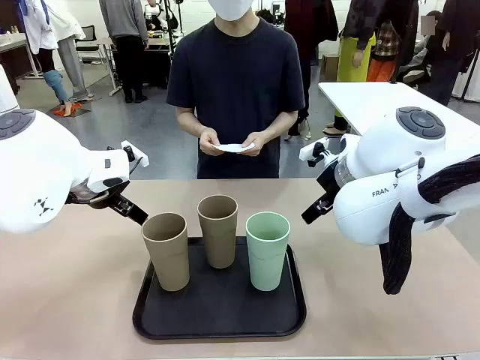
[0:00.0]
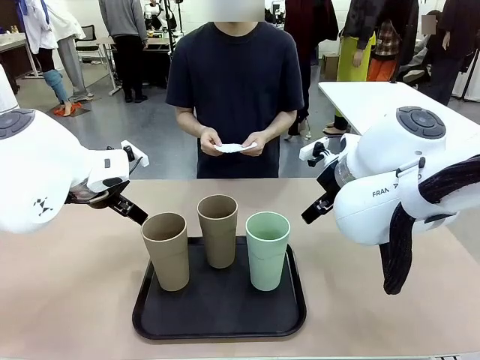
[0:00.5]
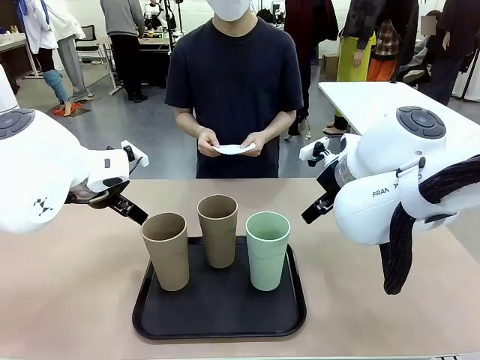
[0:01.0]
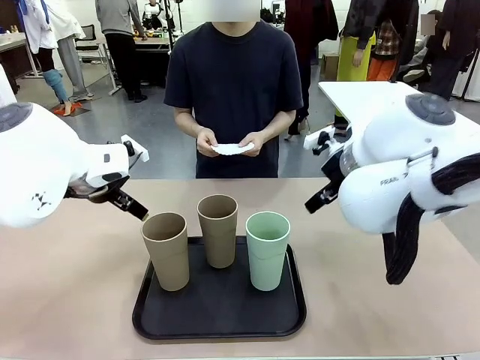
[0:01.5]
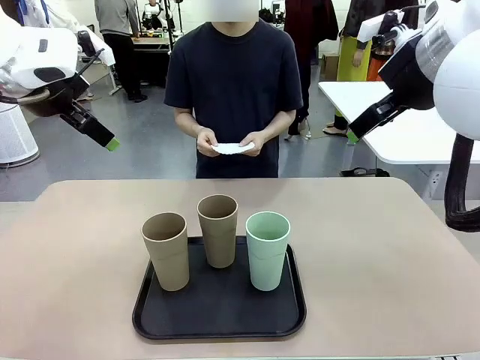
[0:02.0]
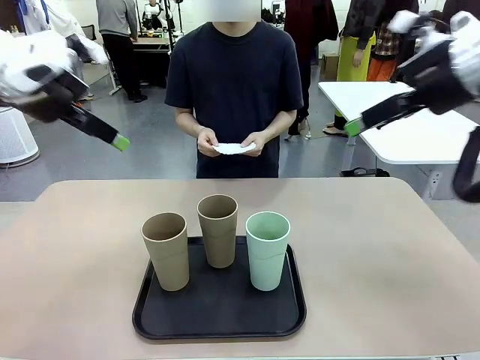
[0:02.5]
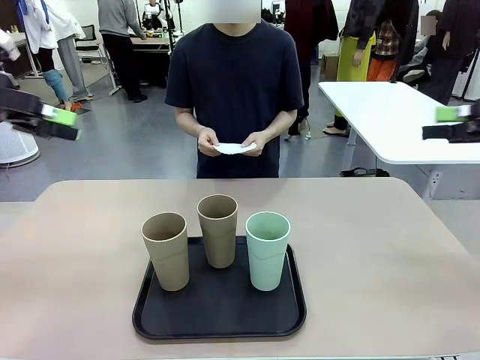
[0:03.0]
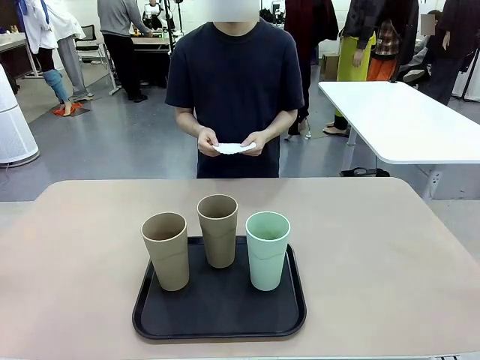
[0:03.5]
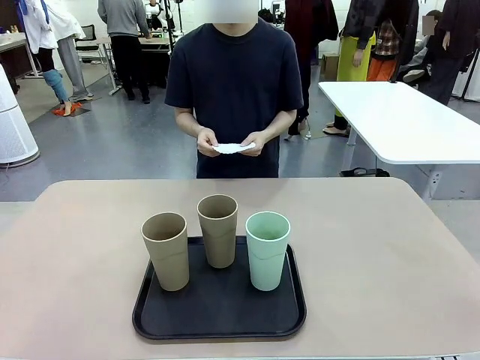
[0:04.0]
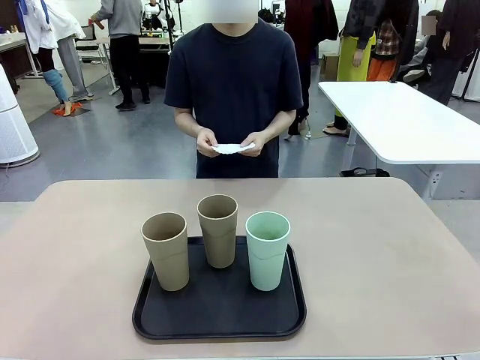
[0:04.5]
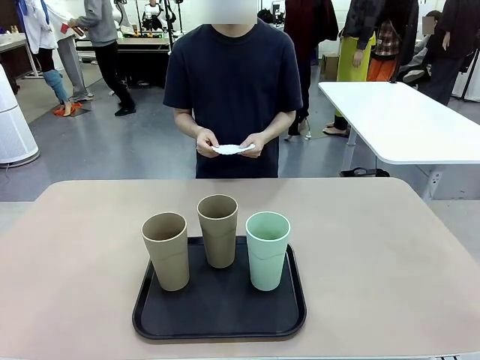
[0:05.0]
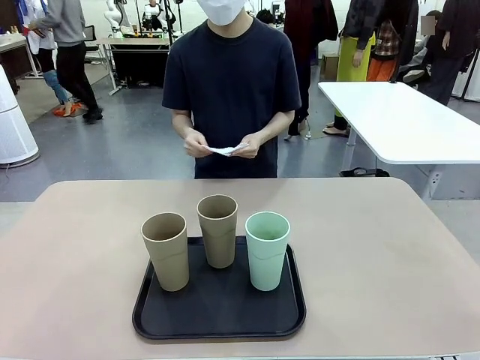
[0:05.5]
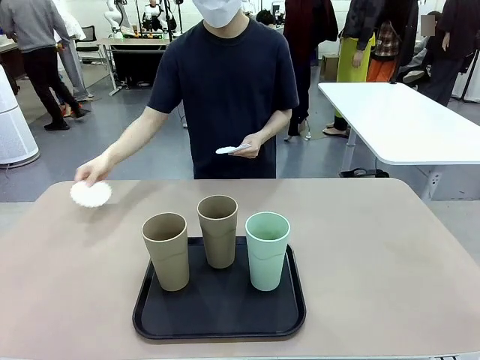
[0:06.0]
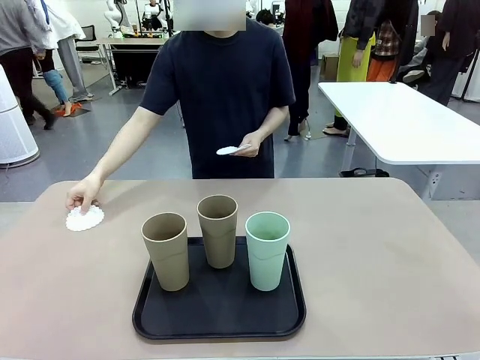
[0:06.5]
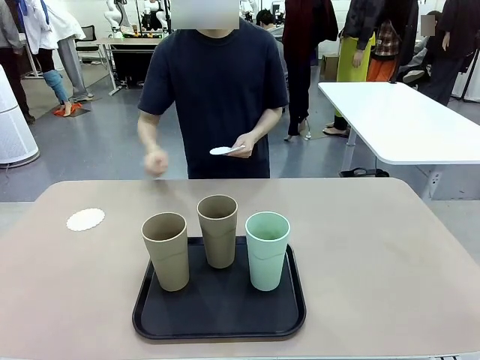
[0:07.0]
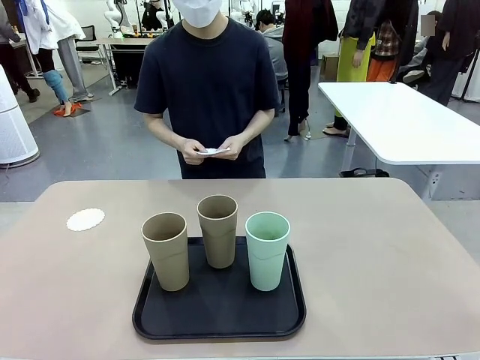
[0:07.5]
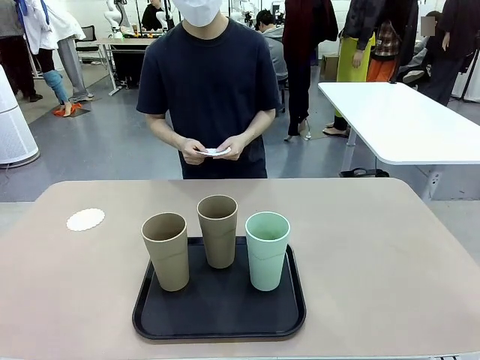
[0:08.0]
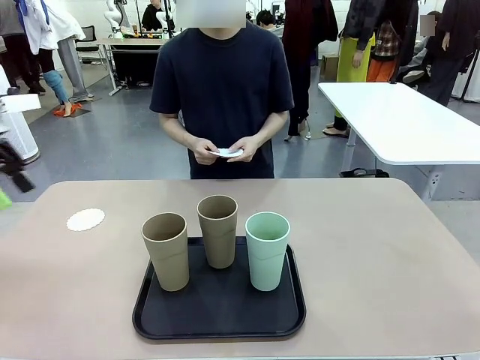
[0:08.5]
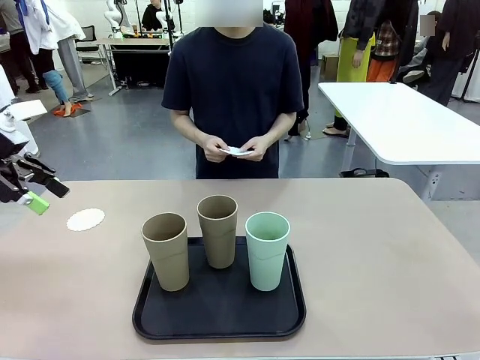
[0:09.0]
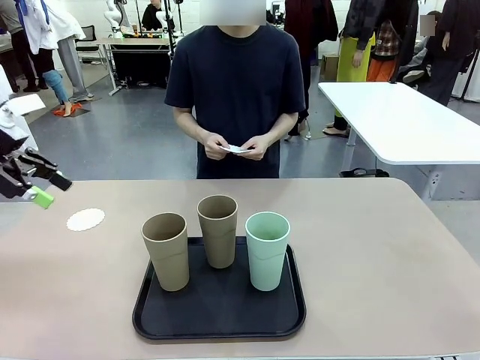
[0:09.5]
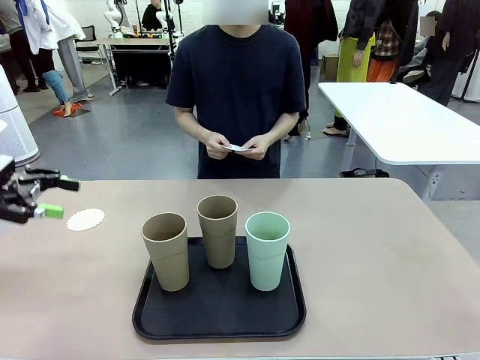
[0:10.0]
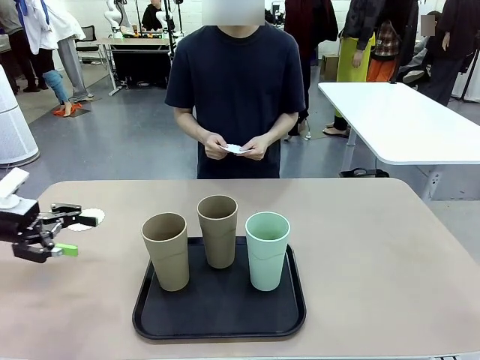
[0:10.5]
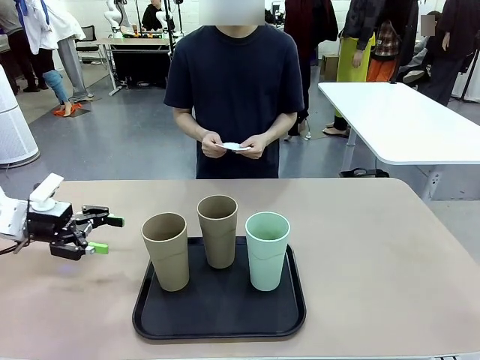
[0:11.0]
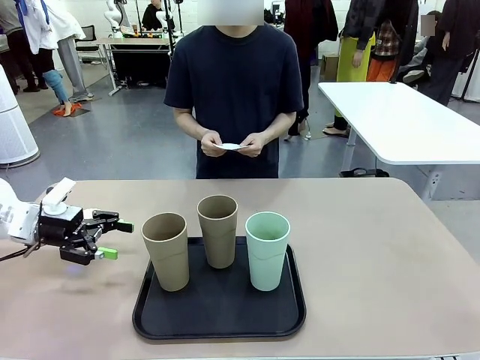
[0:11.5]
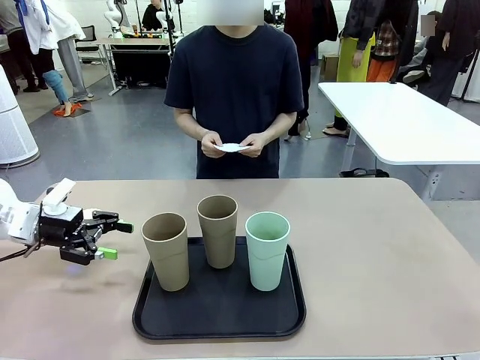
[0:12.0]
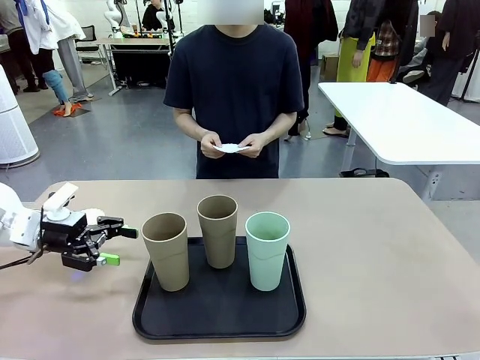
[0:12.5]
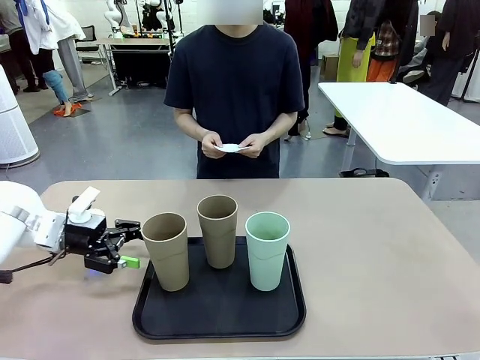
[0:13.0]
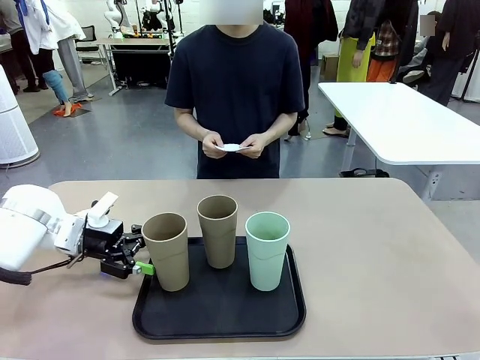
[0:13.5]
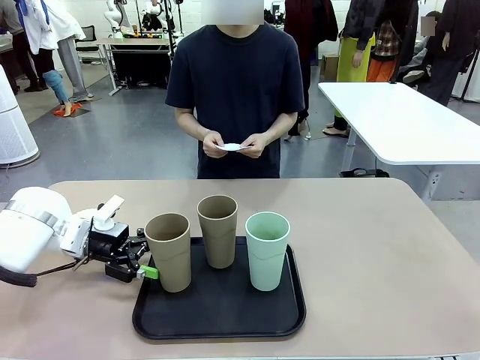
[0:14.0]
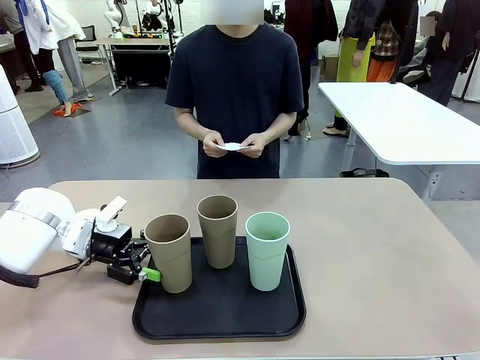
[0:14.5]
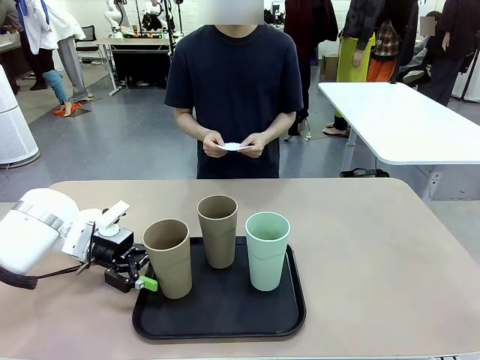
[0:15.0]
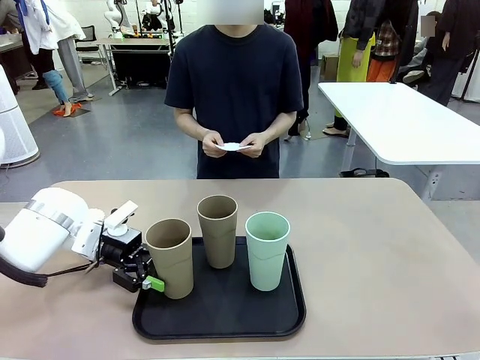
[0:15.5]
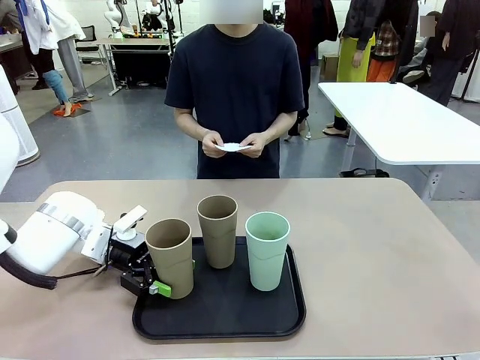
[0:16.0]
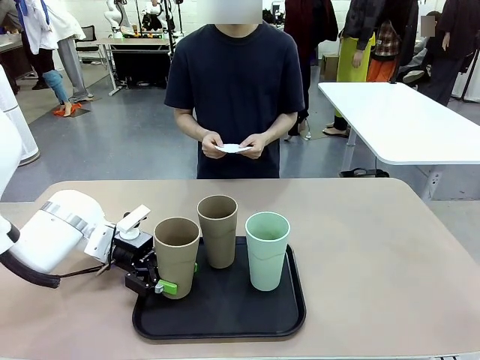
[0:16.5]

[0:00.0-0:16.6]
Task: Place coasters on the table and set cups on them.
Robot: Pick up one Reusable plastic cup and place it on a coaster set by the human.
Person: Place one coaster in any one of the three lower areas of the robot table (left, center, or right).
